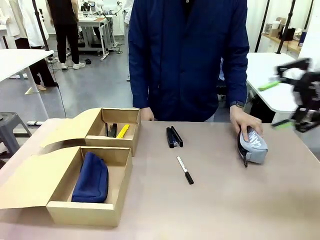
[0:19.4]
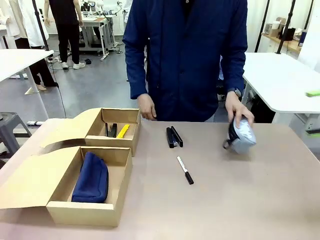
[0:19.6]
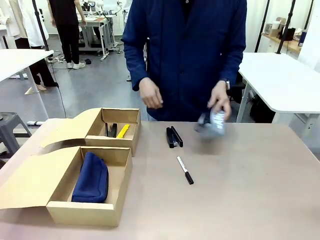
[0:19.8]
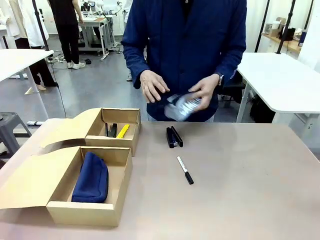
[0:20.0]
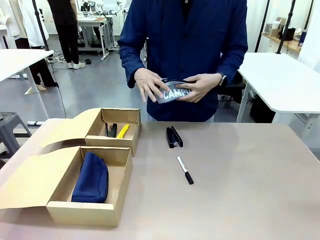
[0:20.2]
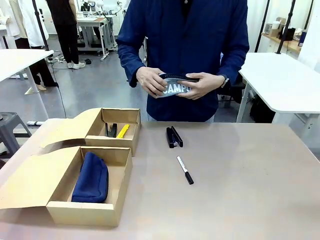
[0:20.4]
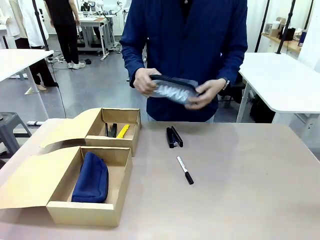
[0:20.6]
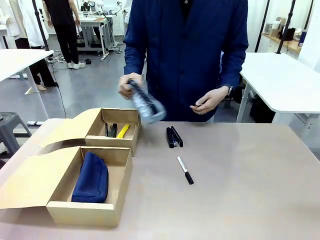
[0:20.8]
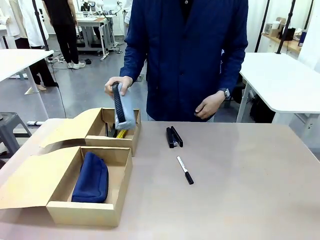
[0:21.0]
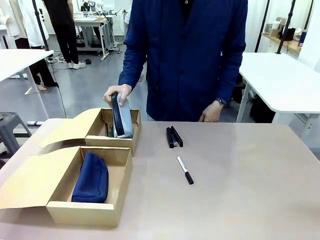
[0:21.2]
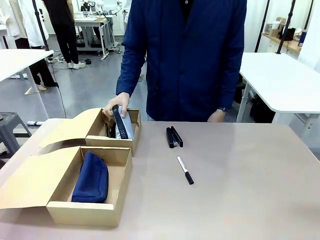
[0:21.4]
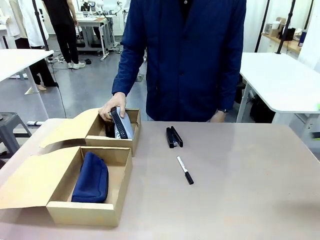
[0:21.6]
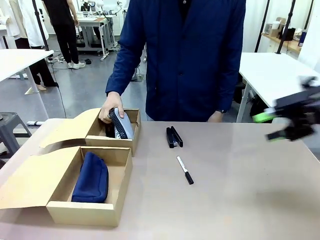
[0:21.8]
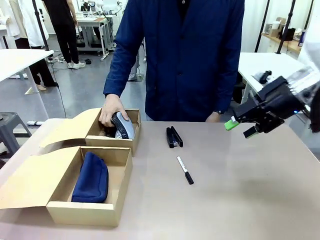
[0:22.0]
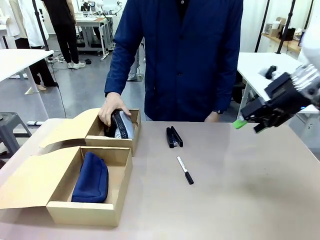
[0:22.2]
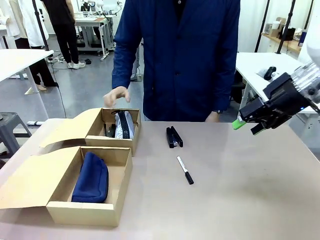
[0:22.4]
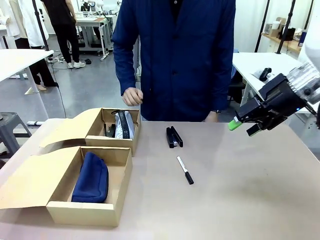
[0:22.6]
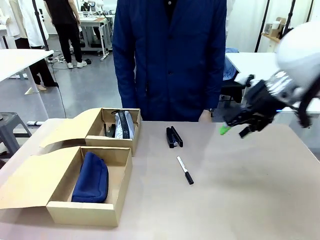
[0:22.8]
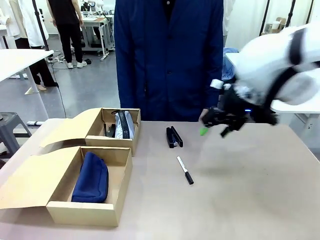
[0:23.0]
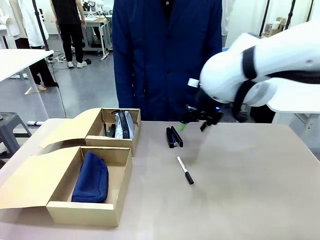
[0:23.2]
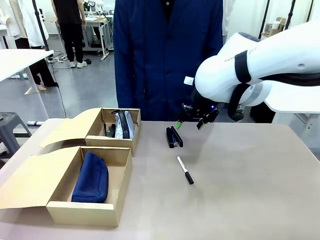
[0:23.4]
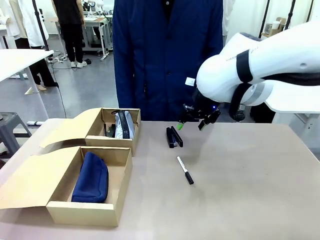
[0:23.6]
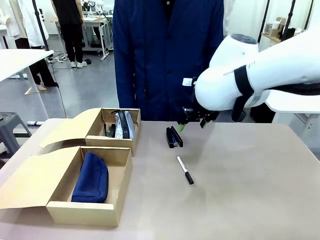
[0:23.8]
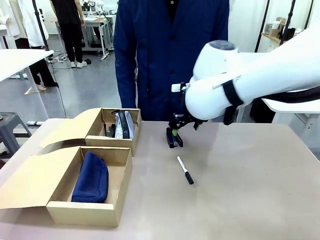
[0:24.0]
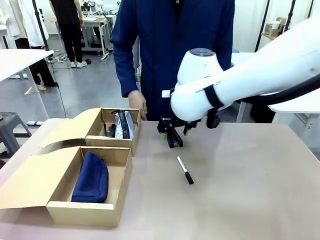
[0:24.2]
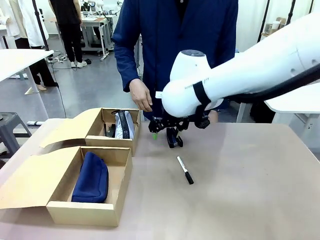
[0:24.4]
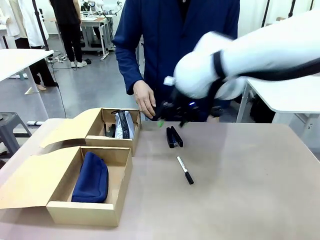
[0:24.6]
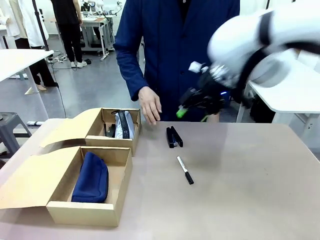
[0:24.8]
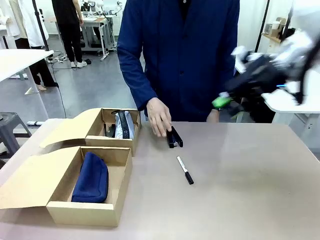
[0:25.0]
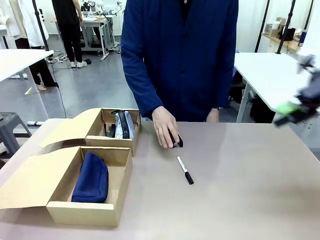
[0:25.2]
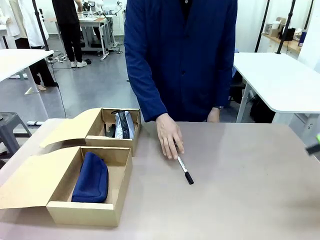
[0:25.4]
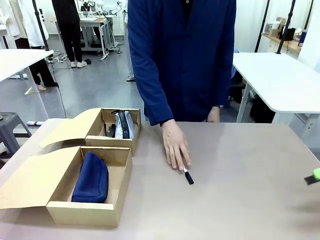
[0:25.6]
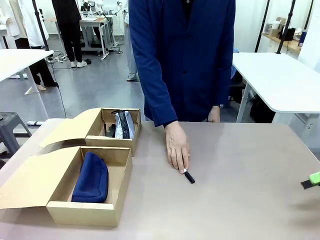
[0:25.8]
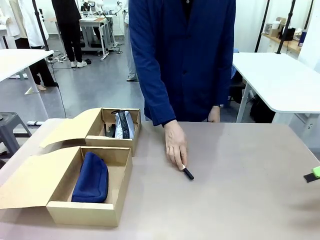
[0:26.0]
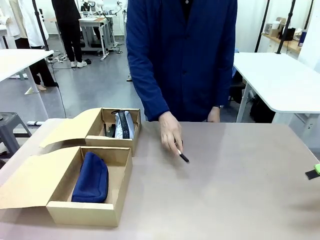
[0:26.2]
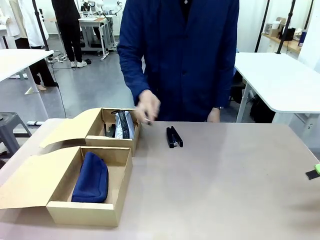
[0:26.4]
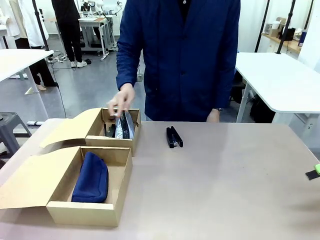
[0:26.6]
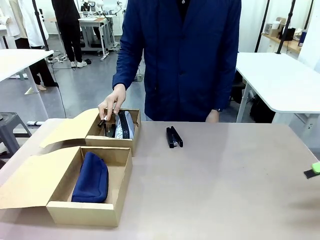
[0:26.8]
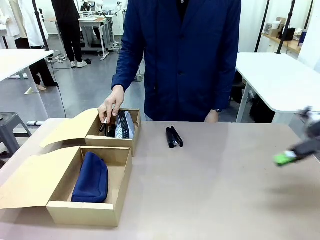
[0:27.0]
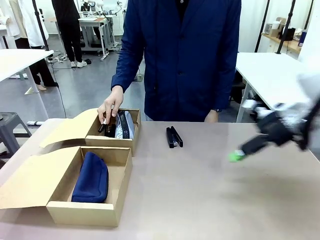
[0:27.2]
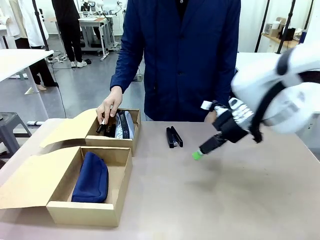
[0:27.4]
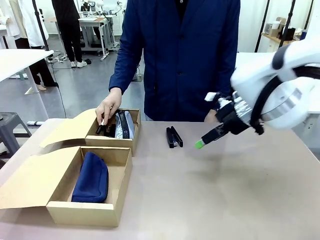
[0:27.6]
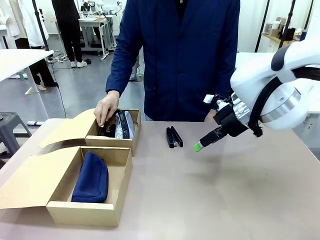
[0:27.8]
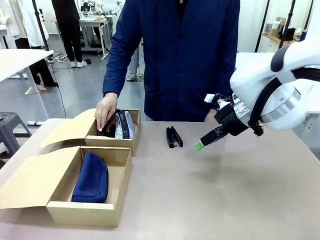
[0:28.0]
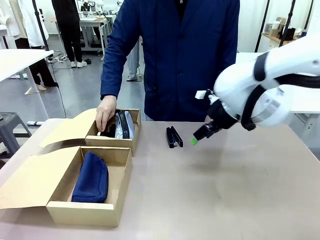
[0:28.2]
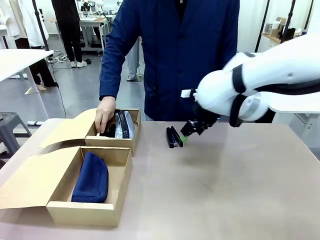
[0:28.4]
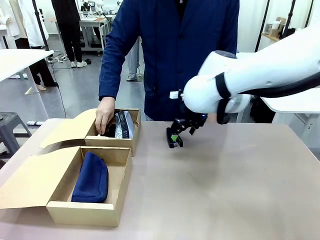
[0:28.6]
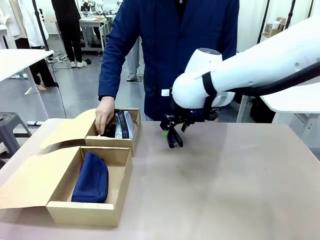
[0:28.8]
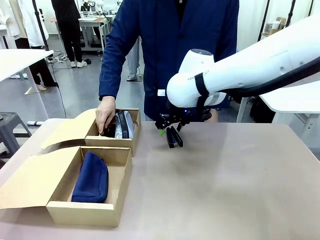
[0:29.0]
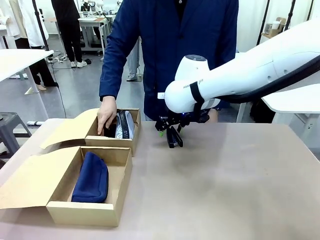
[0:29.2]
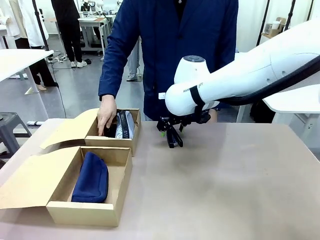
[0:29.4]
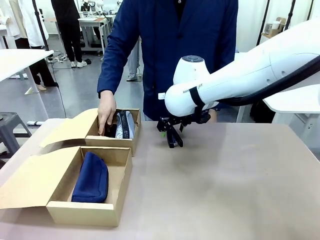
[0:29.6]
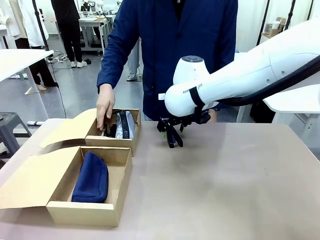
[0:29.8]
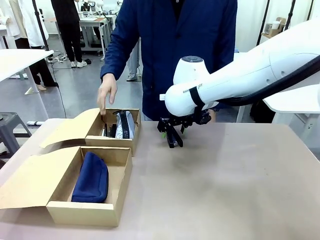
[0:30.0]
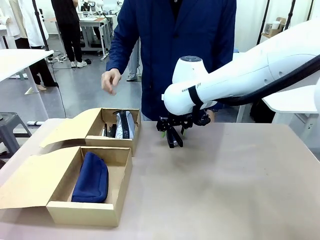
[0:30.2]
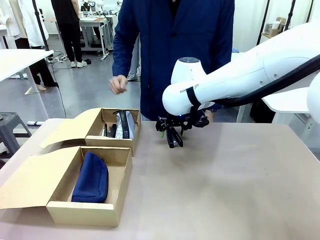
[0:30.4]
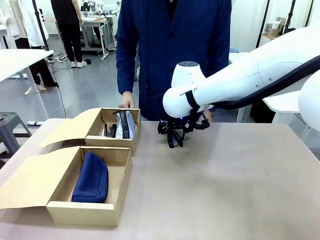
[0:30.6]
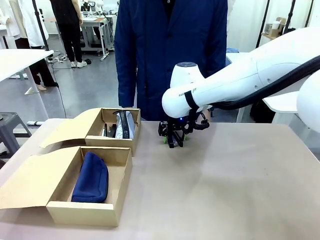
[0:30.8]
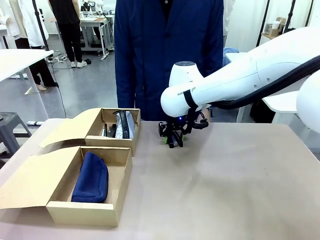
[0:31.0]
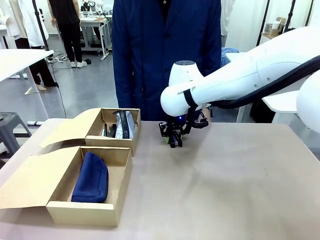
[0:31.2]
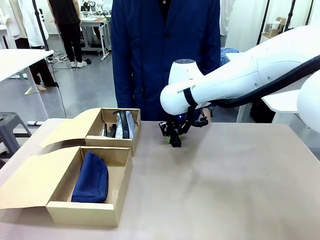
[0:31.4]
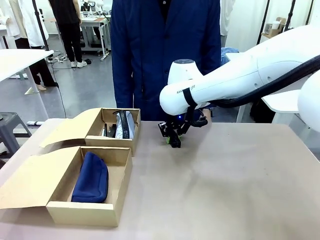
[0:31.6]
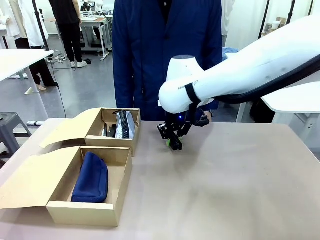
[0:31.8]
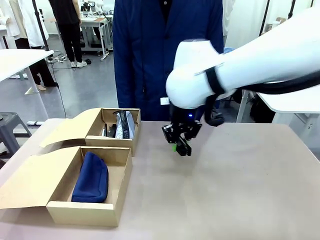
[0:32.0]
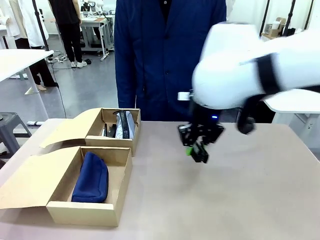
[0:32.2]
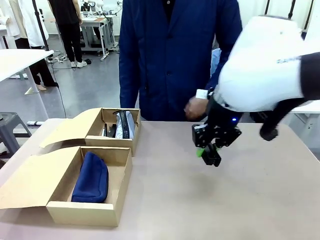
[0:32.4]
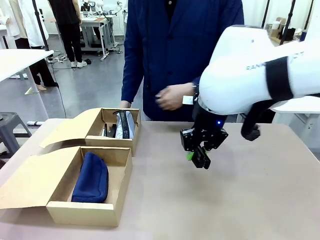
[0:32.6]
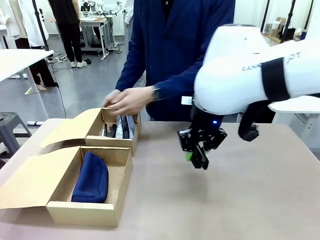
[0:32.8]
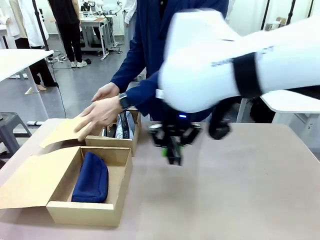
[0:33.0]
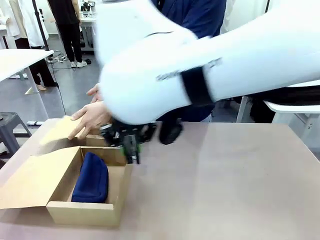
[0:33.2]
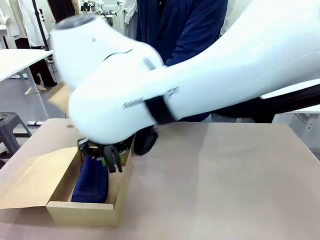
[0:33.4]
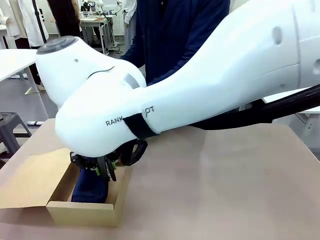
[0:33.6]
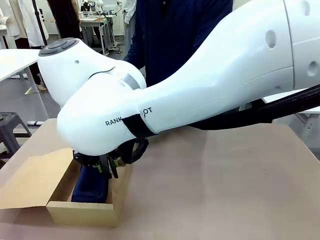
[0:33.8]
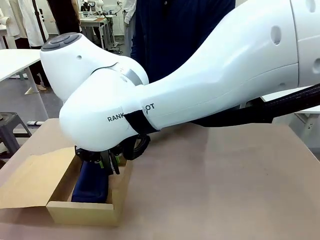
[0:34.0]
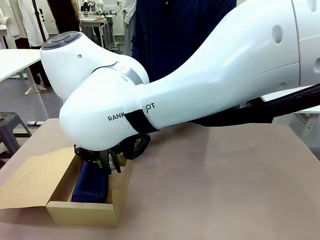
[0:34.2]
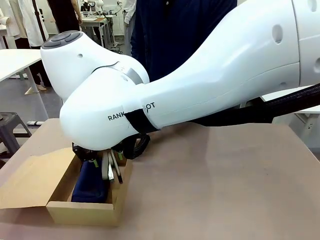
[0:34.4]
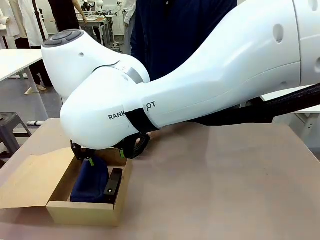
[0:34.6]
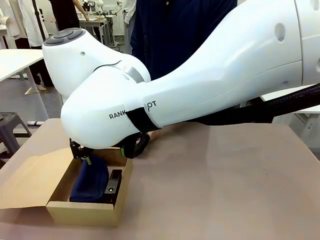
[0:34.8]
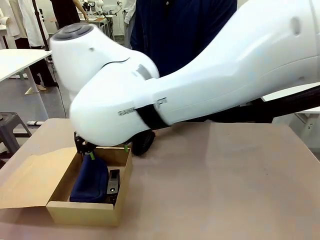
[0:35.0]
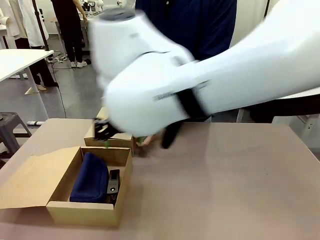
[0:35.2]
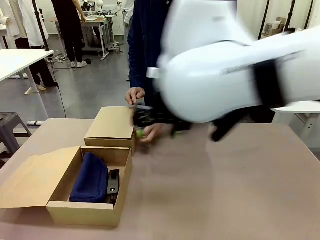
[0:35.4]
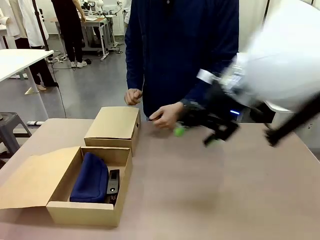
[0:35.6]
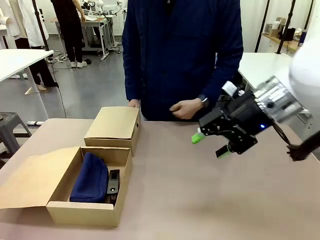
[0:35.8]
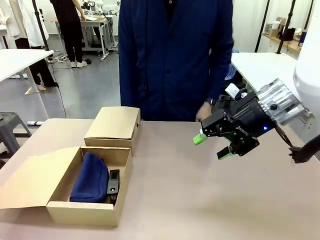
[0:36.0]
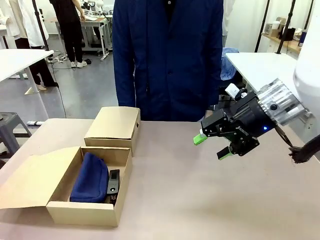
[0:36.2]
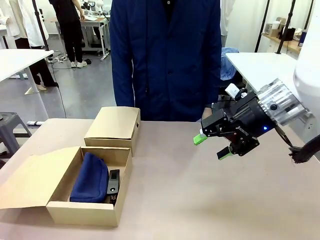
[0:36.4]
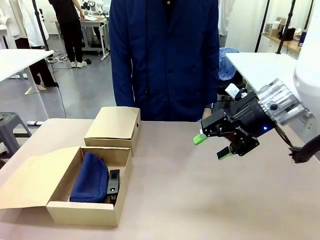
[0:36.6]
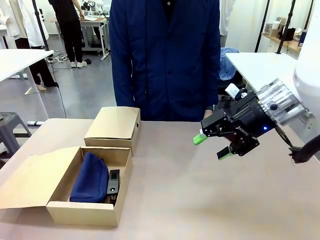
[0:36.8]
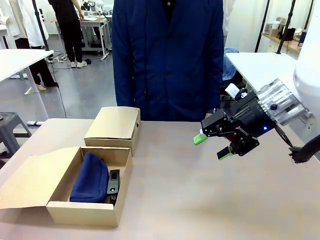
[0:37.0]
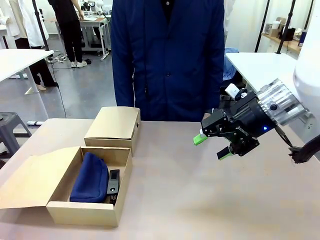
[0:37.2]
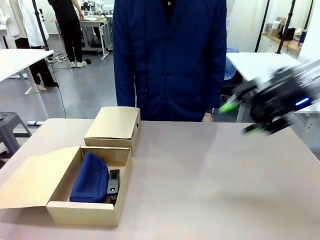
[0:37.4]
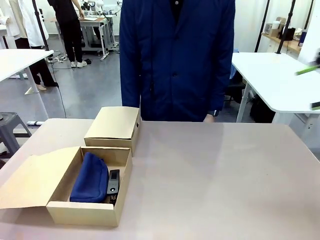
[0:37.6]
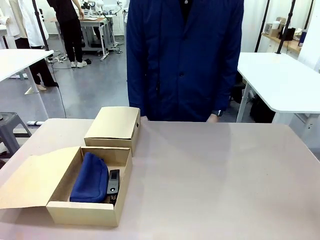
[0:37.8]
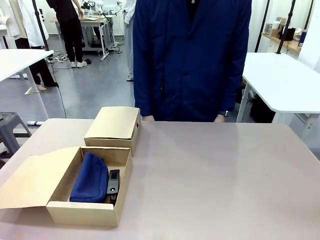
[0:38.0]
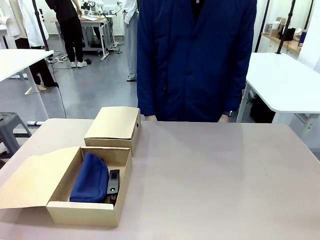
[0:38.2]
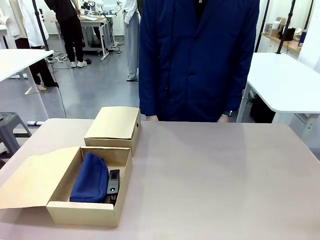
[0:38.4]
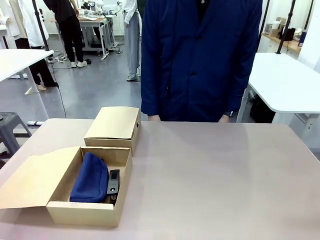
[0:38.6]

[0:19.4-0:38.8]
Task: Place items inside the box.
Robot: Pick up a Pencil pouch or Stapler and place it inside the Mailer Box closest to the robot.
